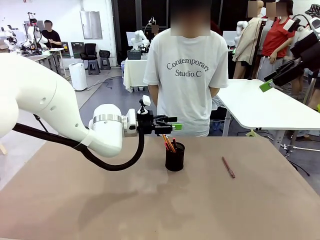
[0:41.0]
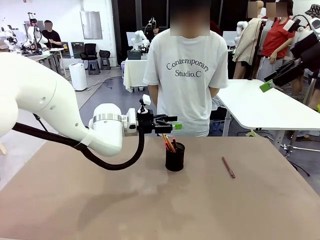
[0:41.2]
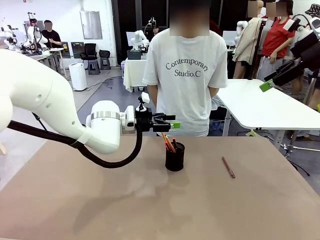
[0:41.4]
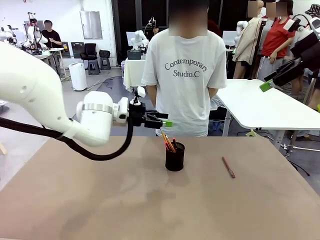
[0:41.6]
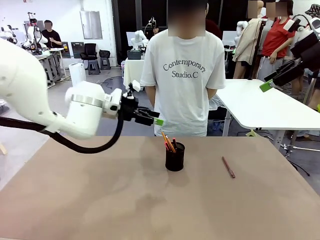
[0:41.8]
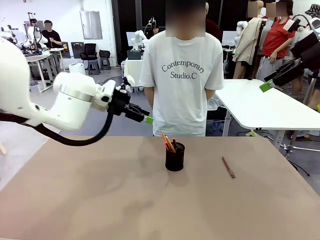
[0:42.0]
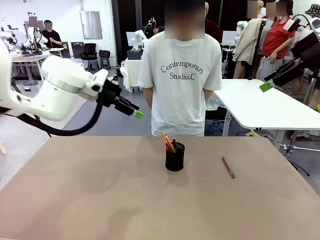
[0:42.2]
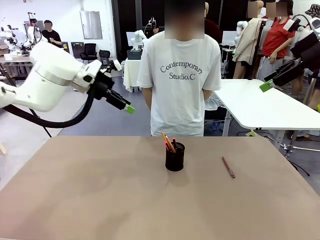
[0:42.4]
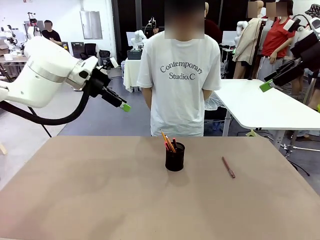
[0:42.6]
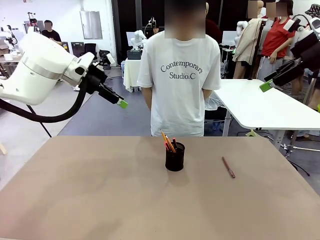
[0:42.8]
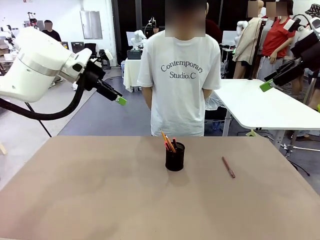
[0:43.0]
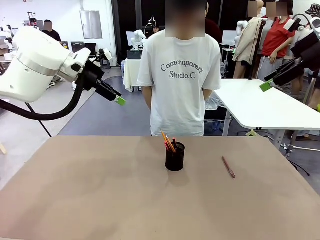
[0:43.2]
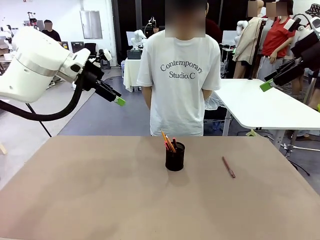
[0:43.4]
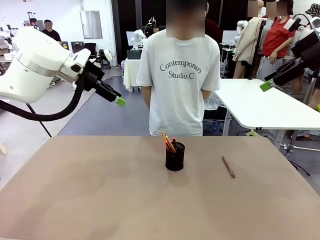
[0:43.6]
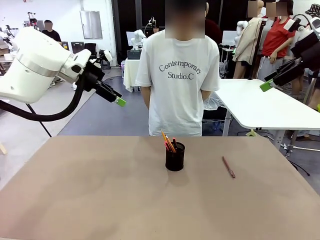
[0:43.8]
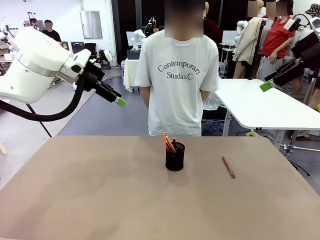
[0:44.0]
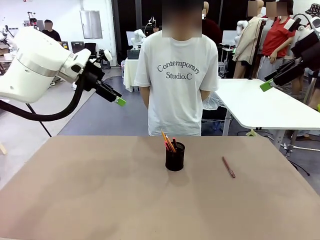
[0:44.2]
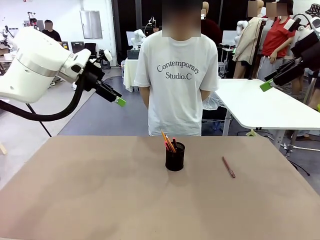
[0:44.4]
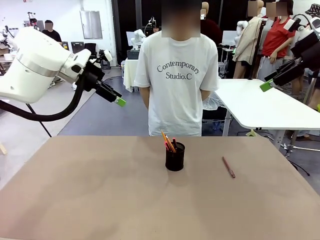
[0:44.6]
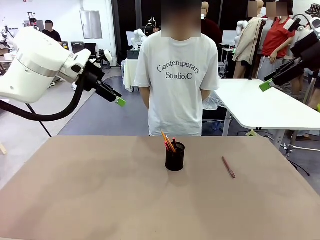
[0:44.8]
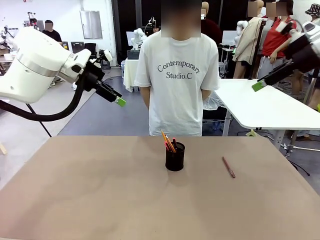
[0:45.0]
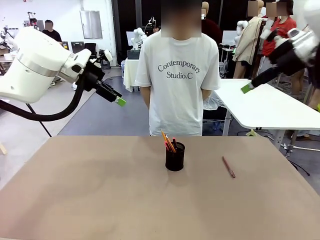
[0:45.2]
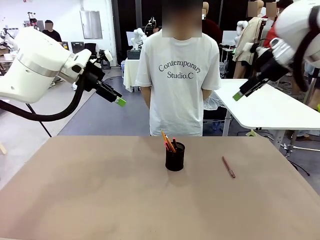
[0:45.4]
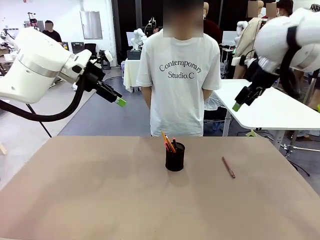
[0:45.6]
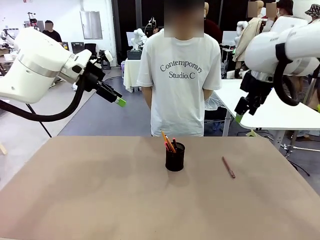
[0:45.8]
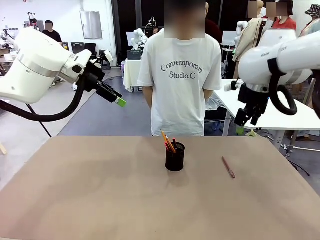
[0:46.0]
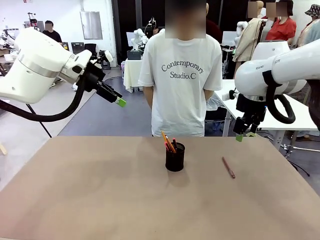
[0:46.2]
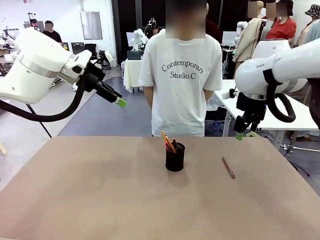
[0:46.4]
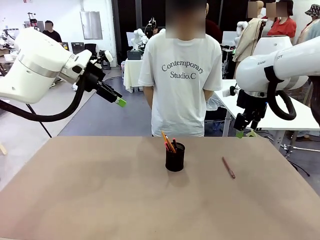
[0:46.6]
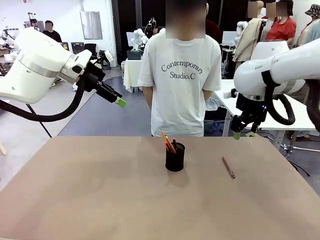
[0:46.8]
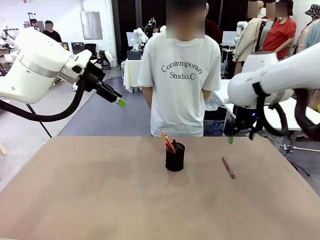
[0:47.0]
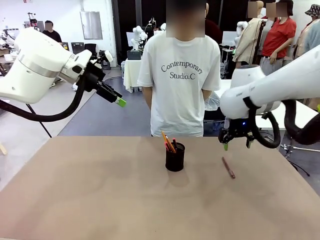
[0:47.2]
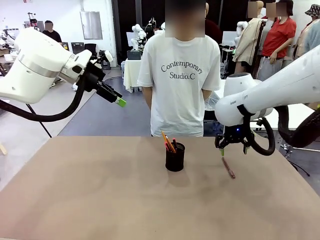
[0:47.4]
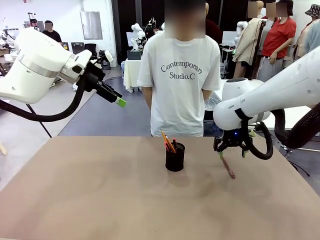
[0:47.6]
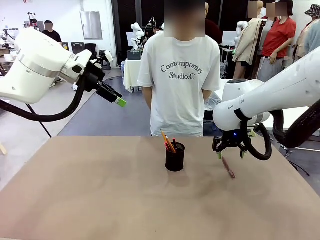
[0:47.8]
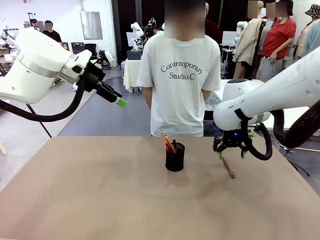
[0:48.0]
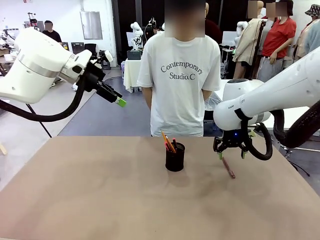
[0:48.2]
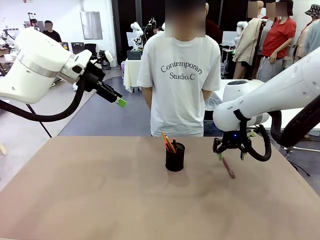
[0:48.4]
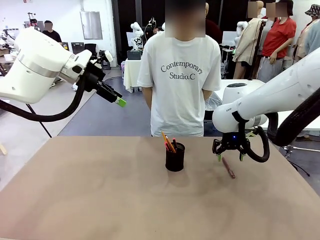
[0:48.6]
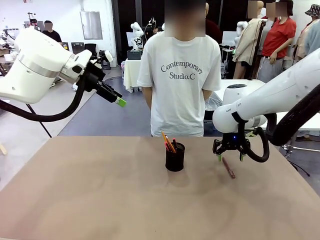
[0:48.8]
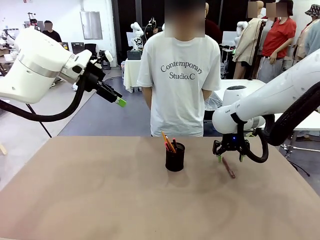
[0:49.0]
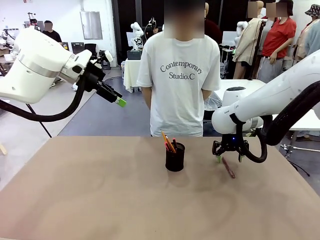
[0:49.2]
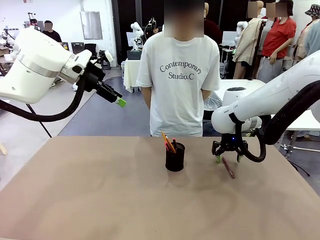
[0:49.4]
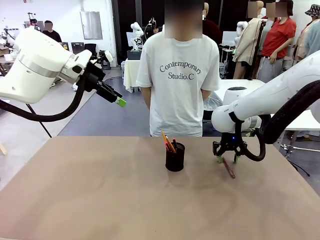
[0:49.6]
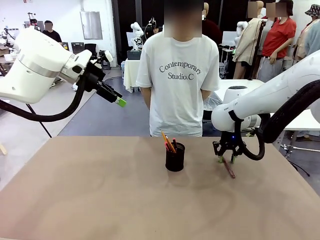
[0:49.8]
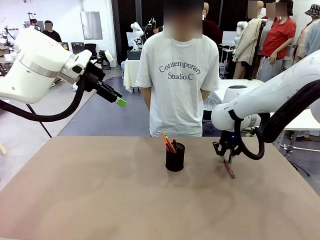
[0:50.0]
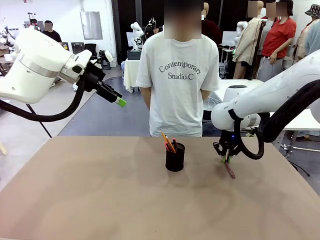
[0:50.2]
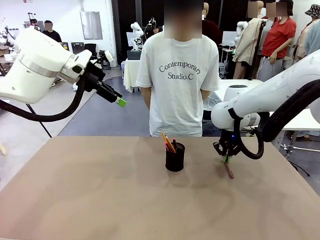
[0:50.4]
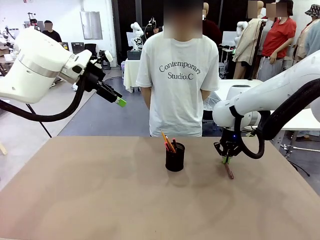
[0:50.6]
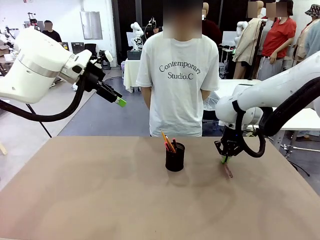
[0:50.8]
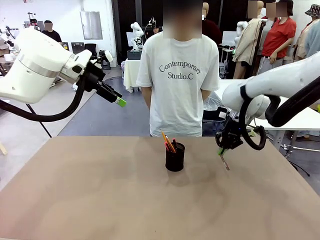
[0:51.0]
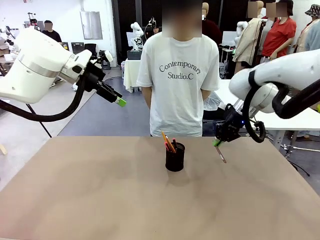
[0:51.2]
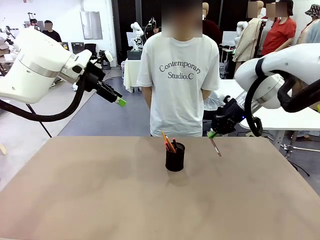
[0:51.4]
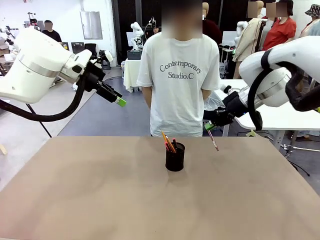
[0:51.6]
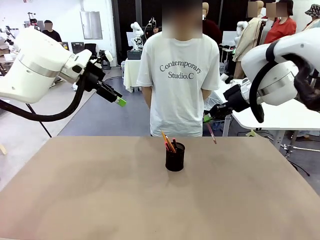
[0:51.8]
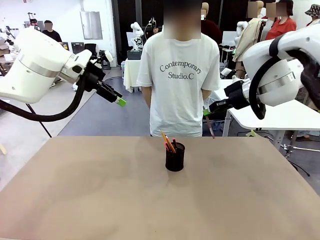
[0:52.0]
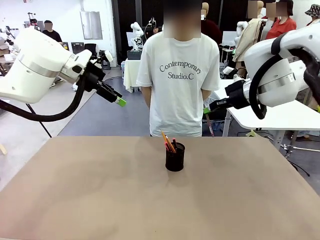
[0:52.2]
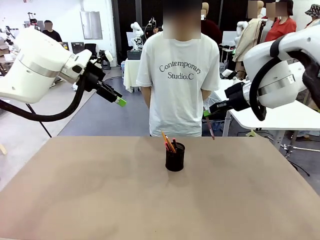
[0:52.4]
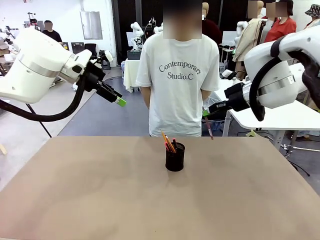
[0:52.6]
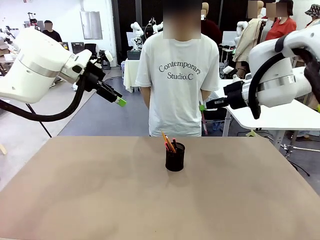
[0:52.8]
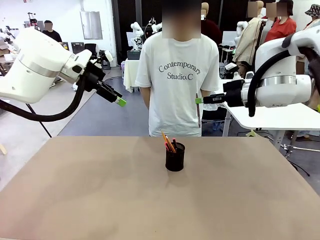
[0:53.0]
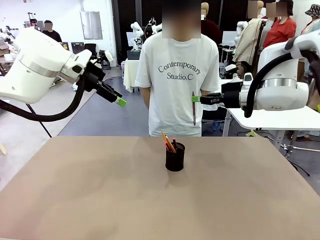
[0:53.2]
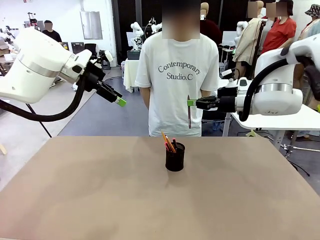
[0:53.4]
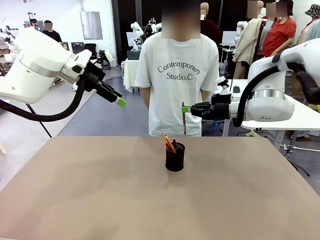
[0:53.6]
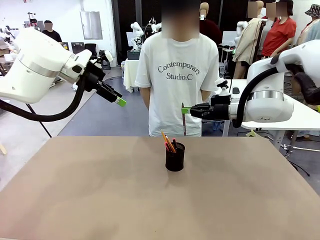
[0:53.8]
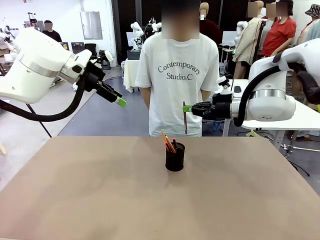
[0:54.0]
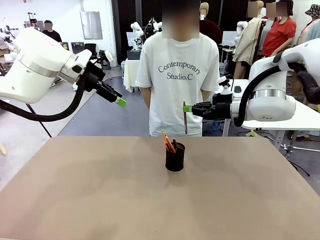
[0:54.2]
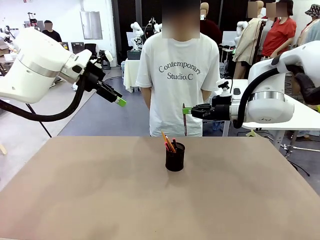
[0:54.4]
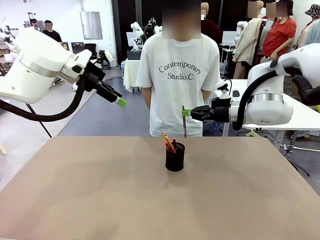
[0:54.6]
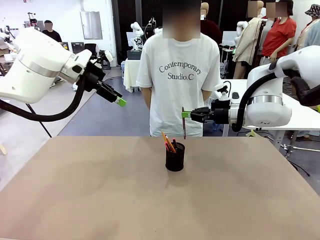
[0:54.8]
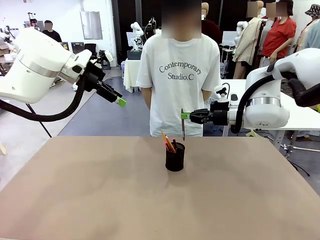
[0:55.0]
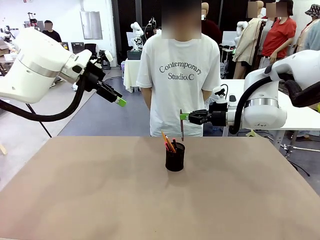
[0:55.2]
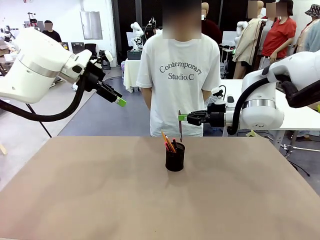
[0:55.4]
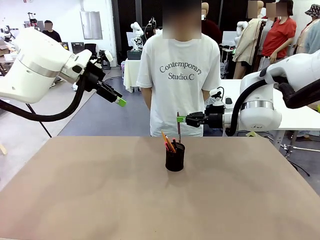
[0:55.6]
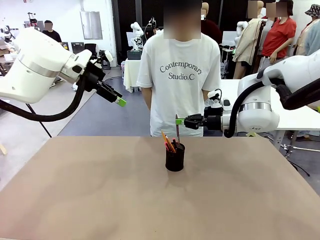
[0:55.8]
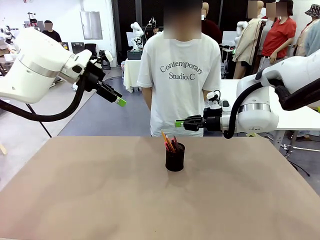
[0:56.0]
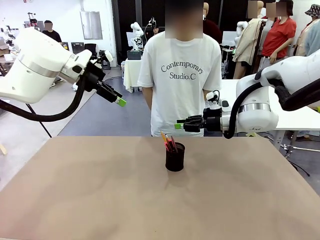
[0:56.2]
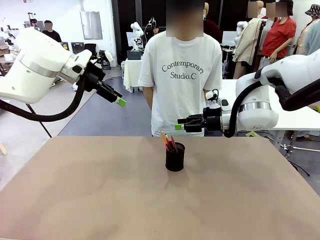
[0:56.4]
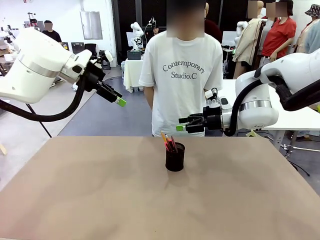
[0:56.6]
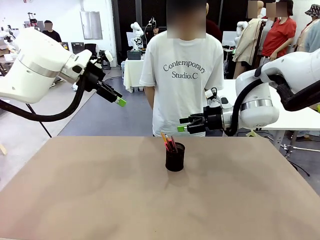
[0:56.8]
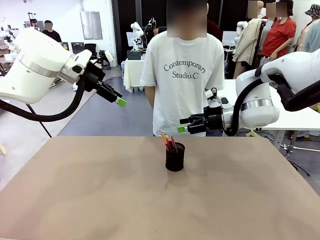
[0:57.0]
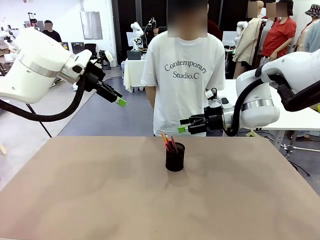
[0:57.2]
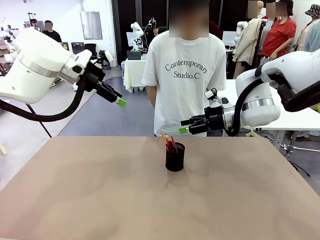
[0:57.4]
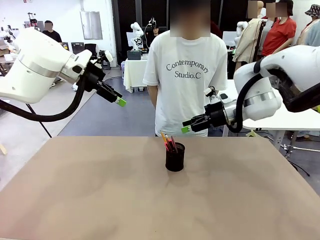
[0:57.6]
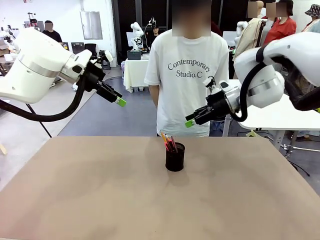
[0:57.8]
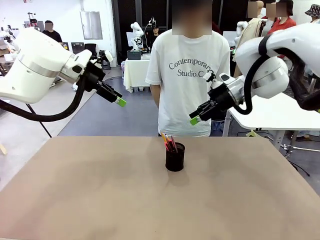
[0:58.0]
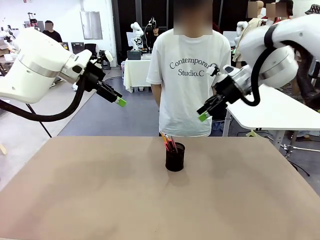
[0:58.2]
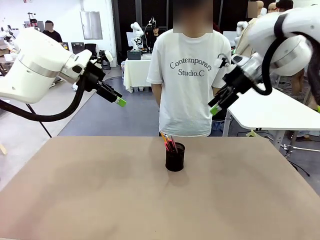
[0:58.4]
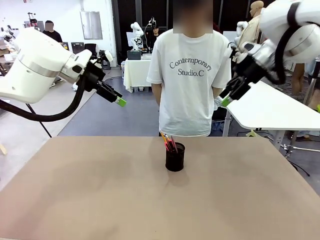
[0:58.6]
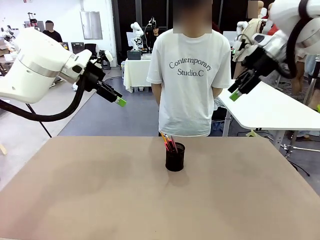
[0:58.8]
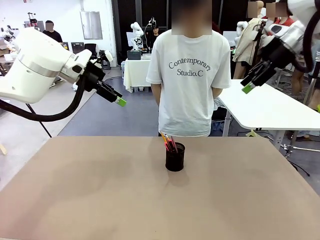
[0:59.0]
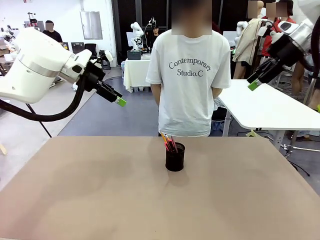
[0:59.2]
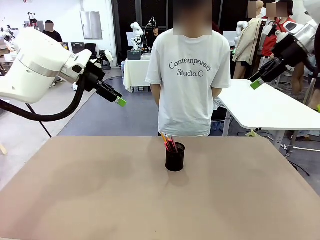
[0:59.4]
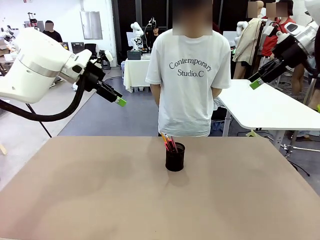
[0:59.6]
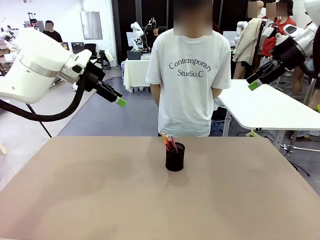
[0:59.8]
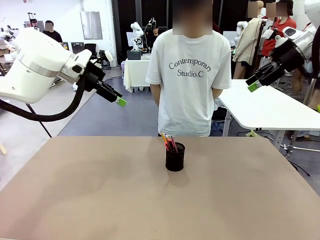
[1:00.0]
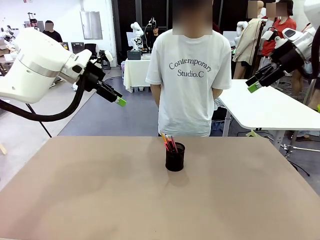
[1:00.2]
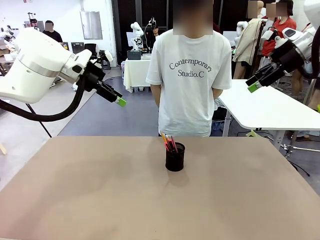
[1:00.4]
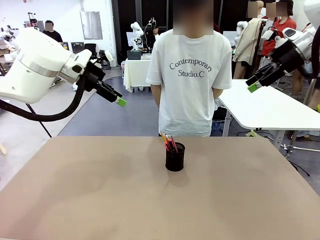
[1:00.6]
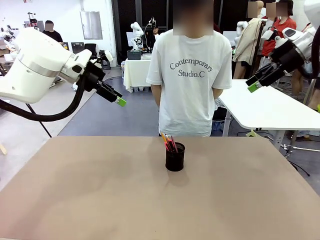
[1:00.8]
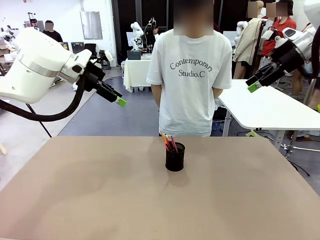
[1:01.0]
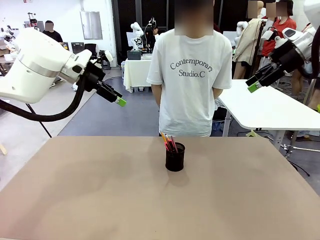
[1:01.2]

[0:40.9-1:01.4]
Task: Place the pens into the pen holder.
Robot: Pick up a writing instrument from the table and place it into the Pen holder.
